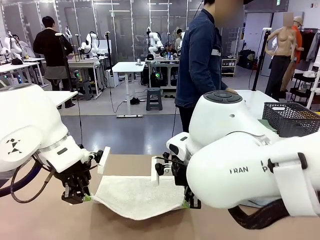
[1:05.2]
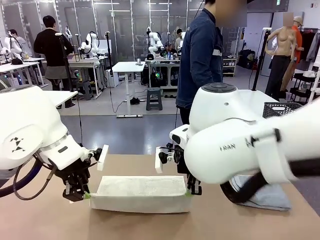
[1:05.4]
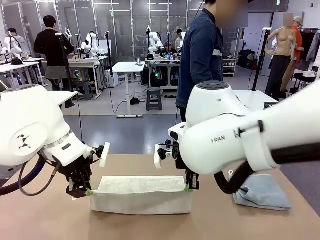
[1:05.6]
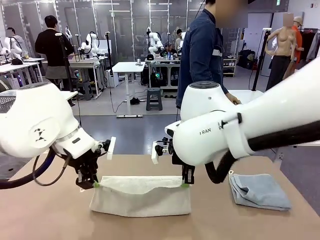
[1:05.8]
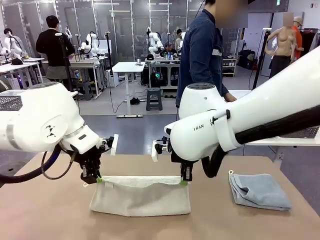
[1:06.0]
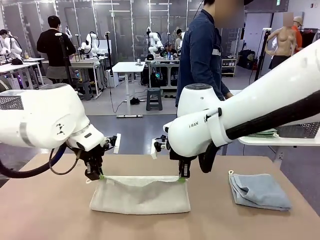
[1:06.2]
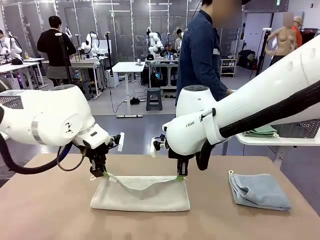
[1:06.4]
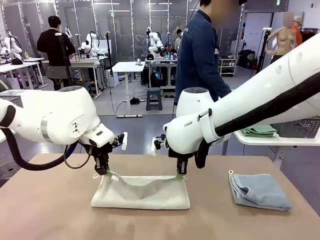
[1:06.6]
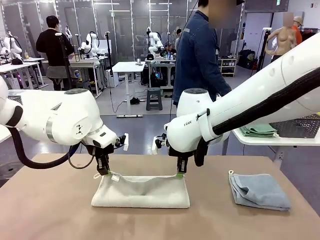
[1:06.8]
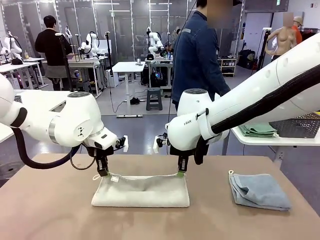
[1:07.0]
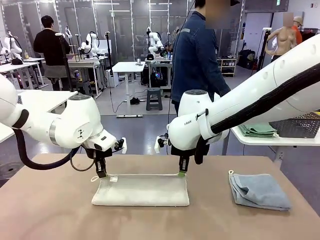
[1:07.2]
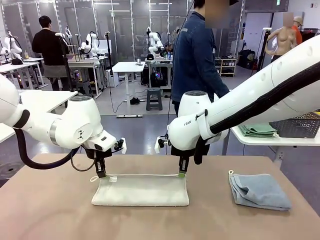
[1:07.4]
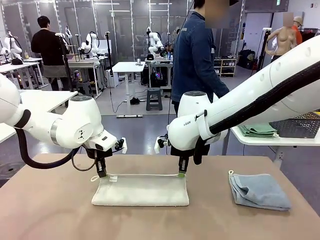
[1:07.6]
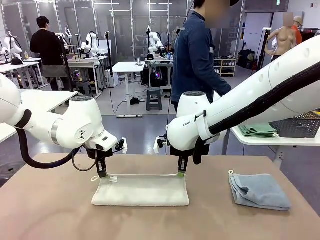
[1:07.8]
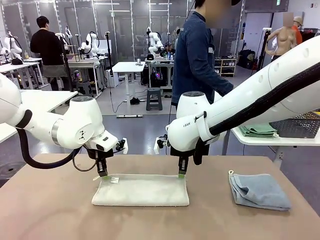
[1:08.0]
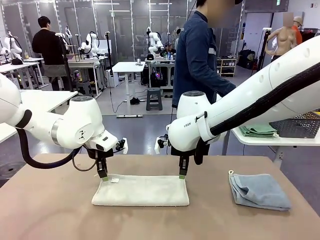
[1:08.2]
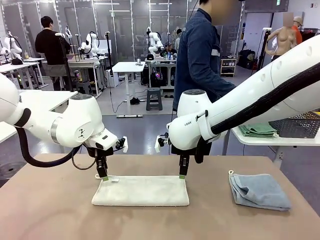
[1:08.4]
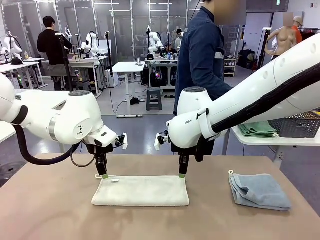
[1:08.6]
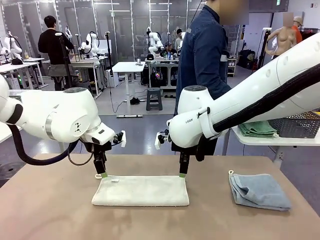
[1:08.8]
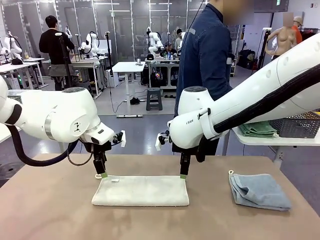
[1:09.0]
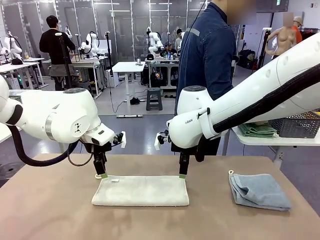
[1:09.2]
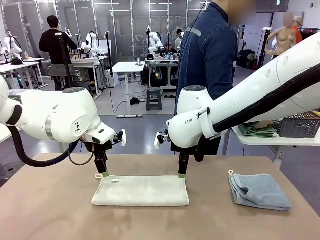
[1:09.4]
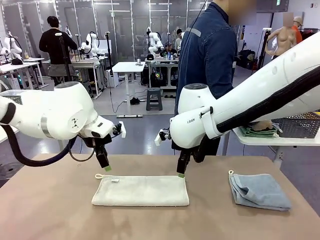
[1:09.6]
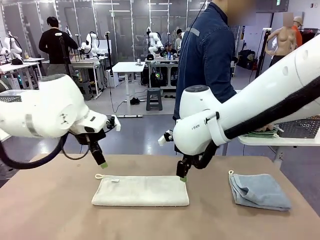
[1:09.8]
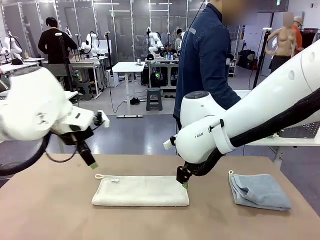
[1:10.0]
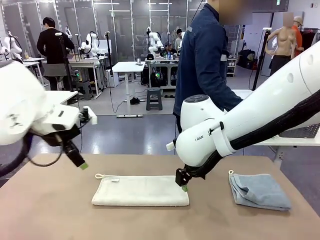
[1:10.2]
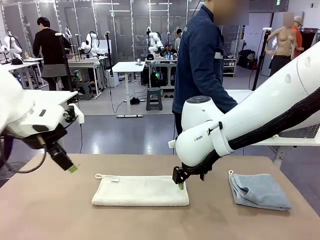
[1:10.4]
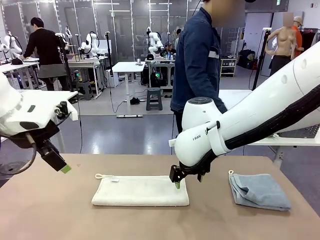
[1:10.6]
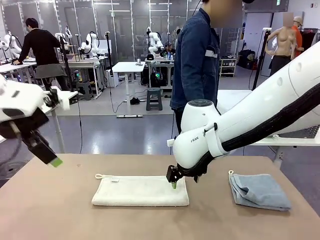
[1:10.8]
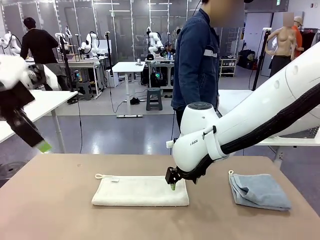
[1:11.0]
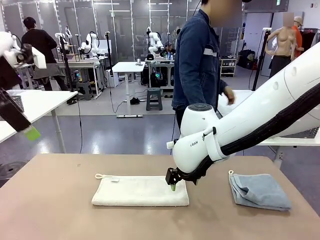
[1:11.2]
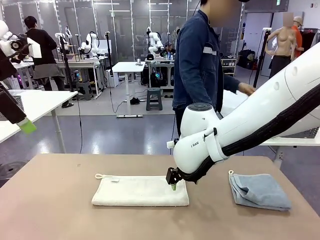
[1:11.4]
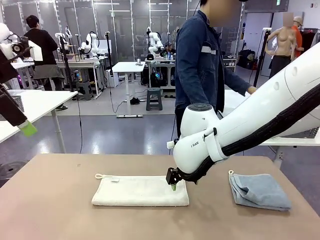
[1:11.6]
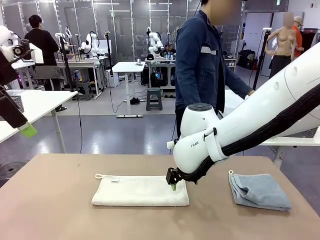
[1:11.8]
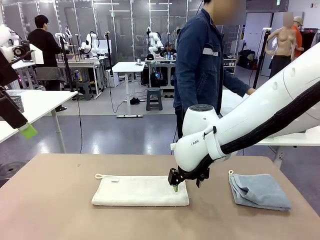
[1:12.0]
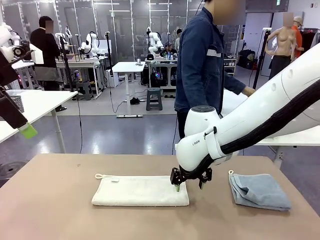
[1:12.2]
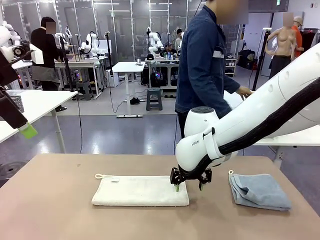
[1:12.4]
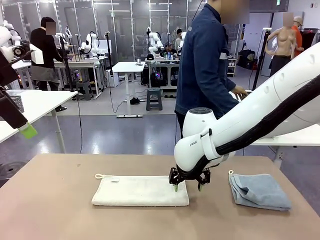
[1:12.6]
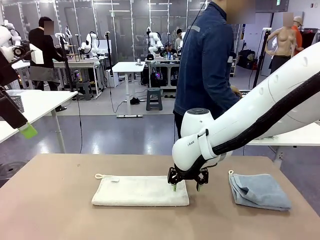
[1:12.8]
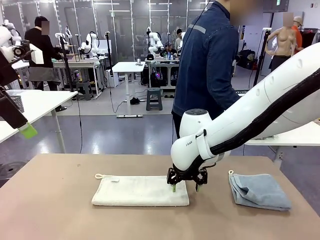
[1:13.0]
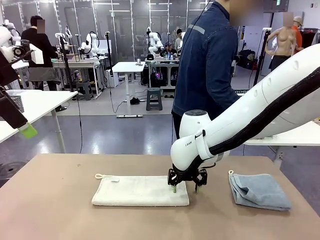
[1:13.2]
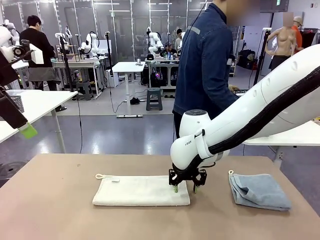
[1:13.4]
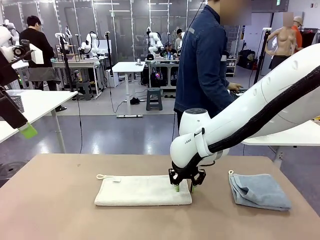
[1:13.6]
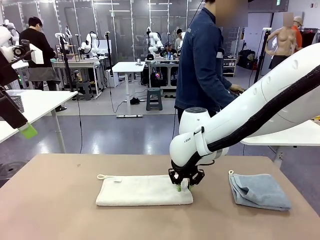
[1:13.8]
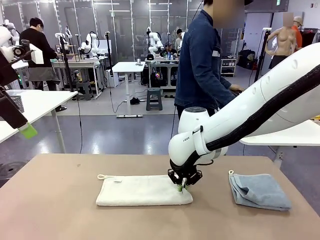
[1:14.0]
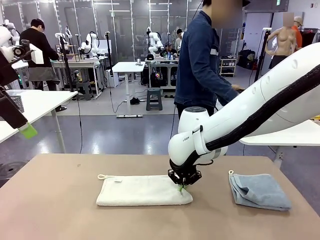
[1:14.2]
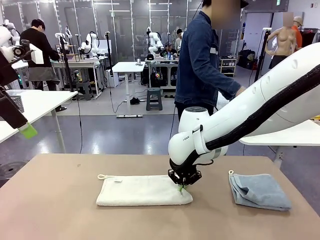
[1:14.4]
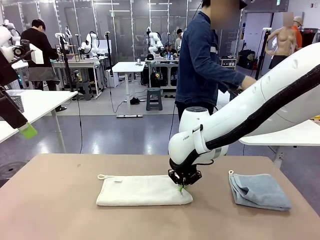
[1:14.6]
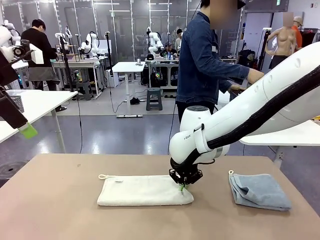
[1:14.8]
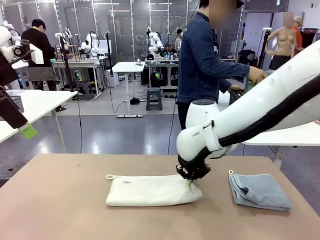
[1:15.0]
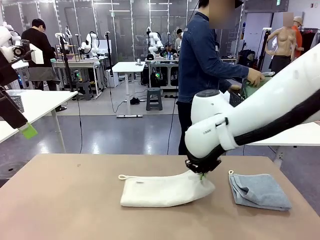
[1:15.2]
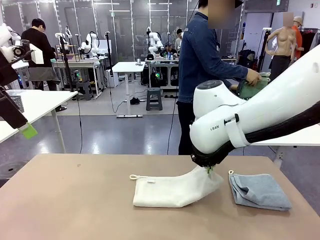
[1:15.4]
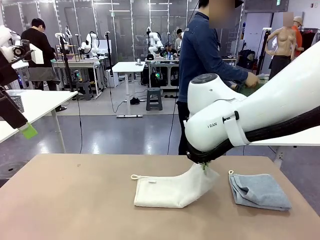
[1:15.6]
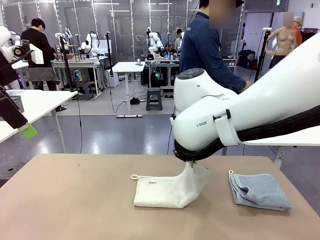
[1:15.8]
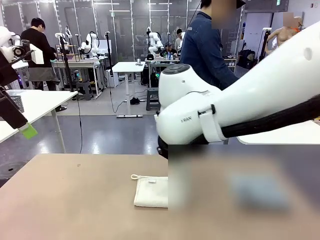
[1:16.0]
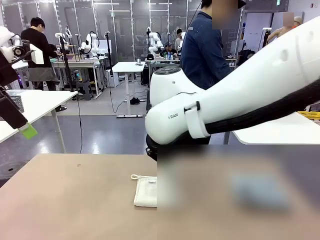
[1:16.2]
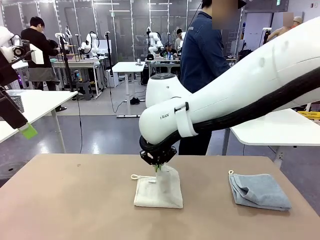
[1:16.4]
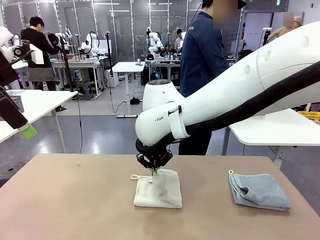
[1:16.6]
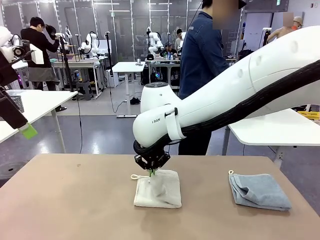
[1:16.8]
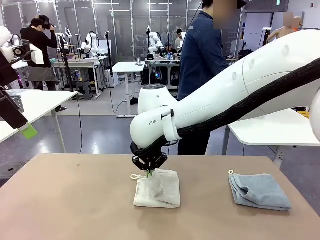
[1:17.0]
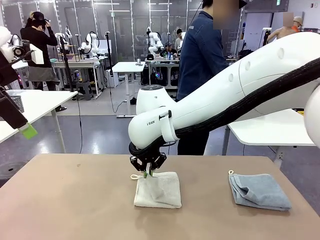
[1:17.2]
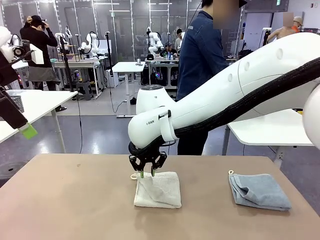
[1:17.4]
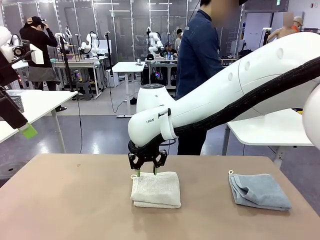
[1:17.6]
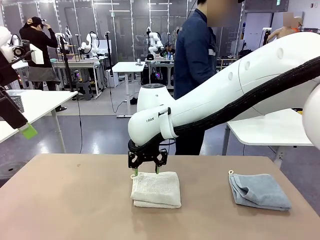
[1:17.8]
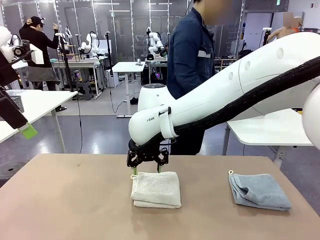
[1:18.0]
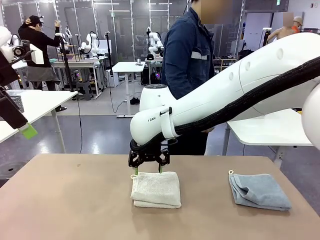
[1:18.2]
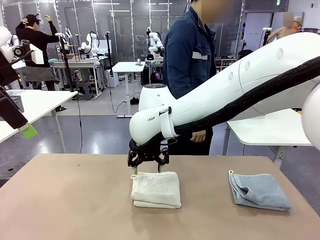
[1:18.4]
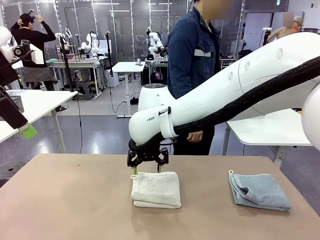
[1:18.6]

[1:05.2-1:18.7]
Task: Fold the towels and place them in the basket.
Robot: When a person lays out a Towel with hook on the table, fold it in half twice.
Person: Pick up the stack of towels from the right side of the human table, place it into the basket, and put the basket at the center of the table.
